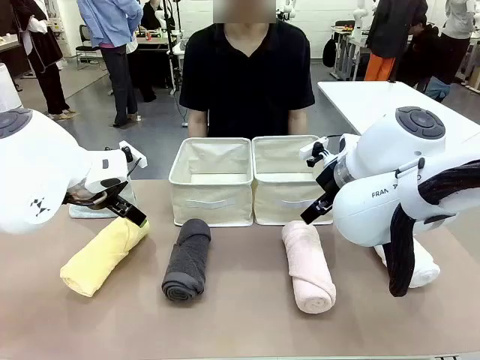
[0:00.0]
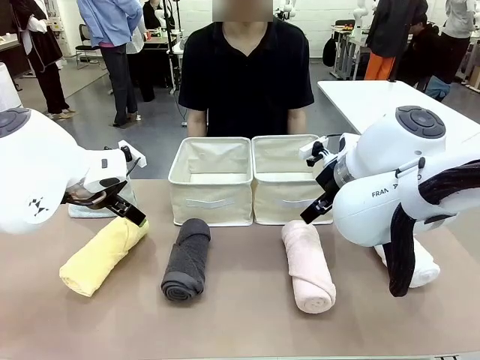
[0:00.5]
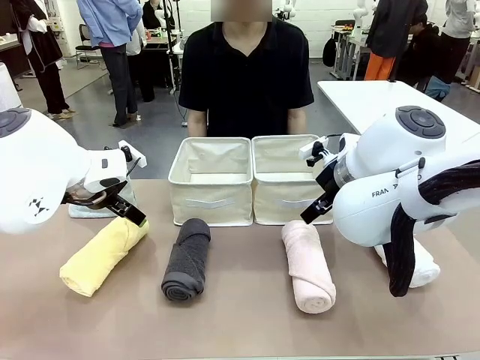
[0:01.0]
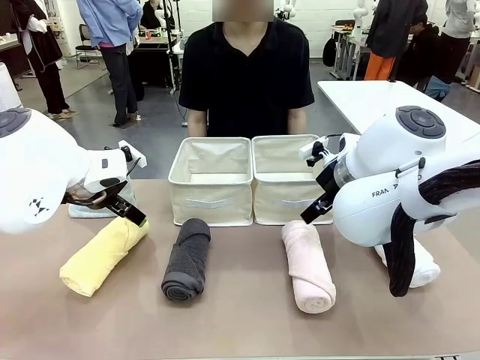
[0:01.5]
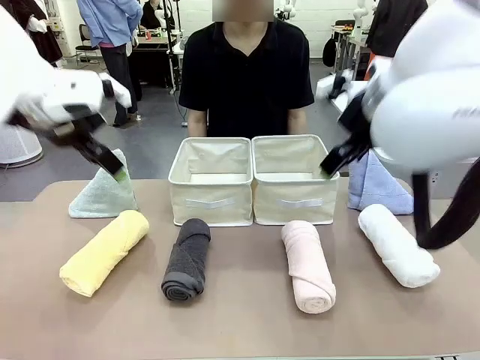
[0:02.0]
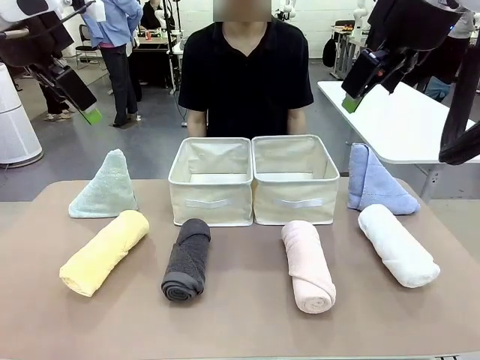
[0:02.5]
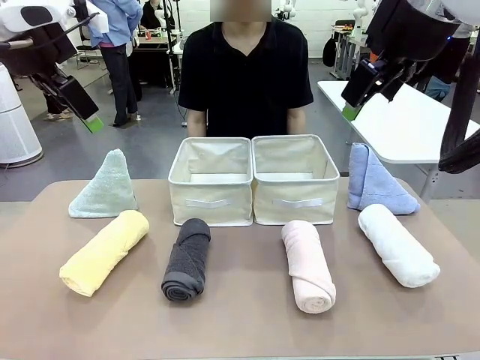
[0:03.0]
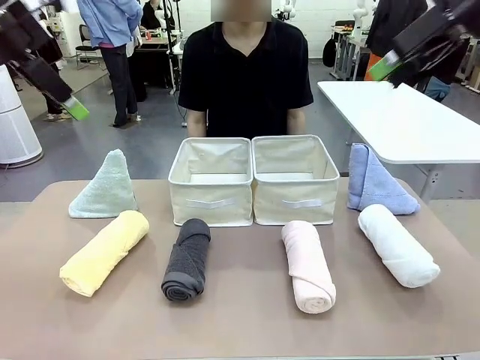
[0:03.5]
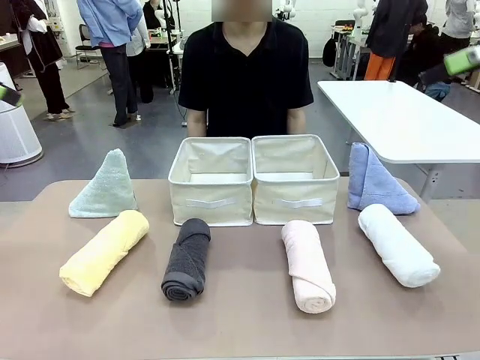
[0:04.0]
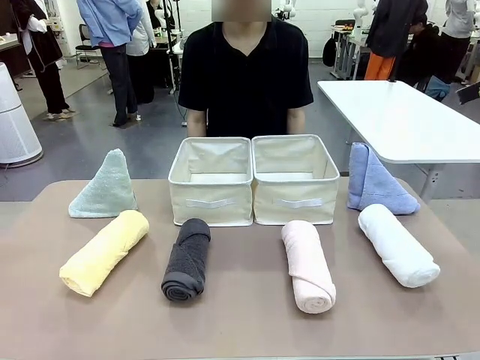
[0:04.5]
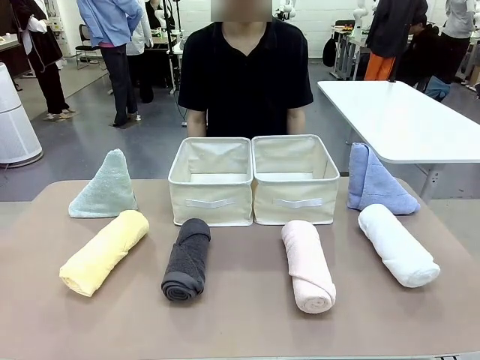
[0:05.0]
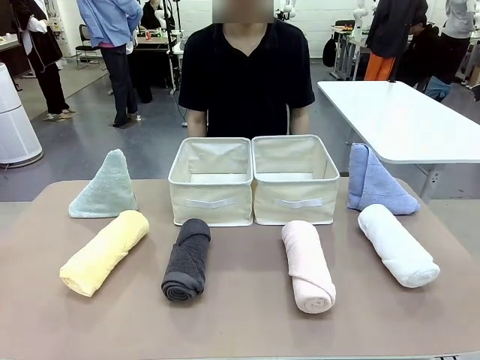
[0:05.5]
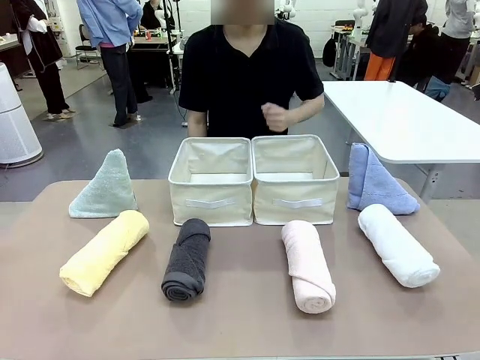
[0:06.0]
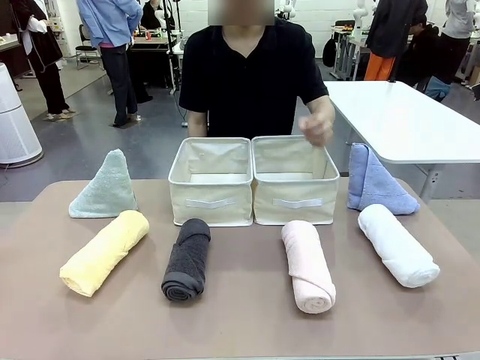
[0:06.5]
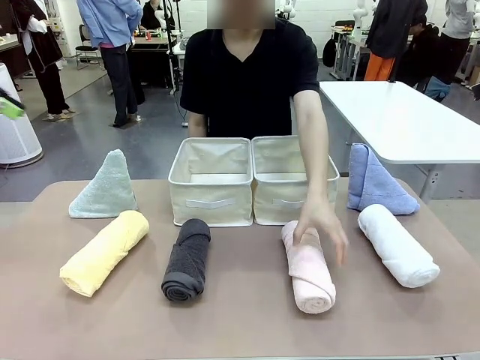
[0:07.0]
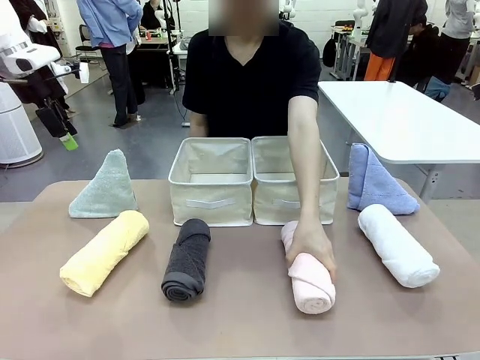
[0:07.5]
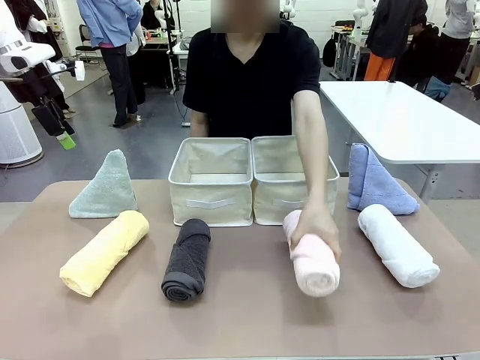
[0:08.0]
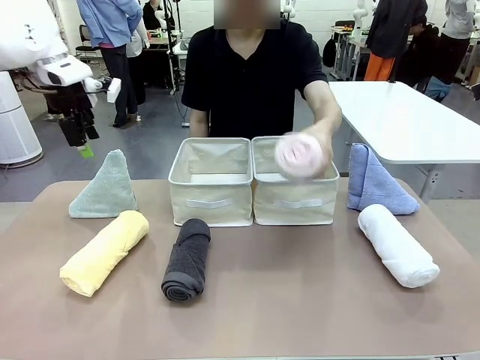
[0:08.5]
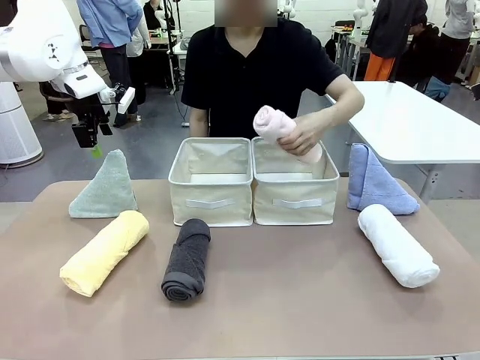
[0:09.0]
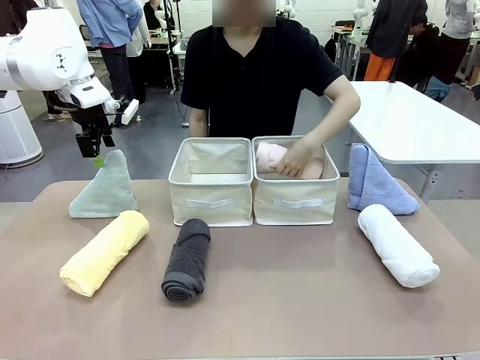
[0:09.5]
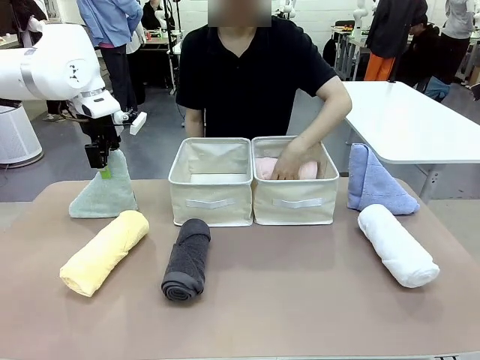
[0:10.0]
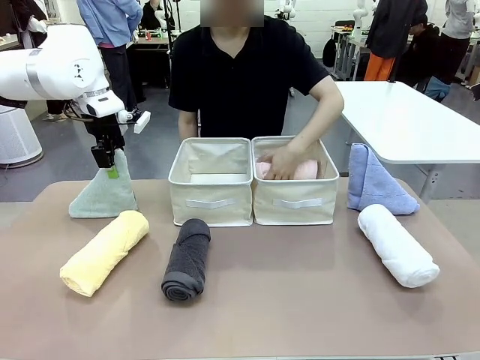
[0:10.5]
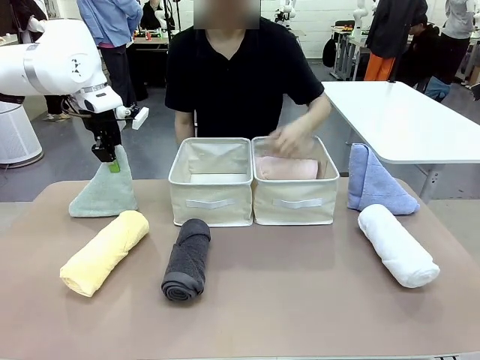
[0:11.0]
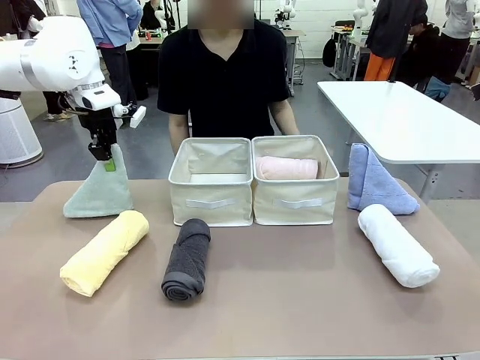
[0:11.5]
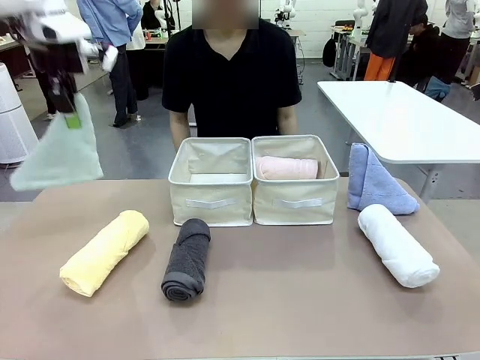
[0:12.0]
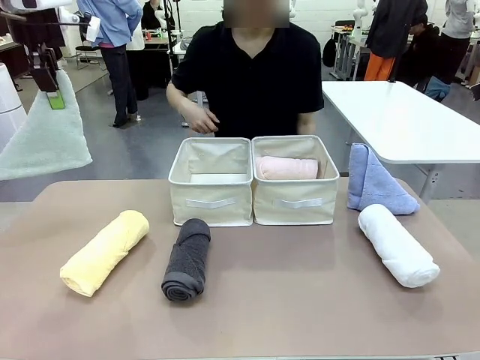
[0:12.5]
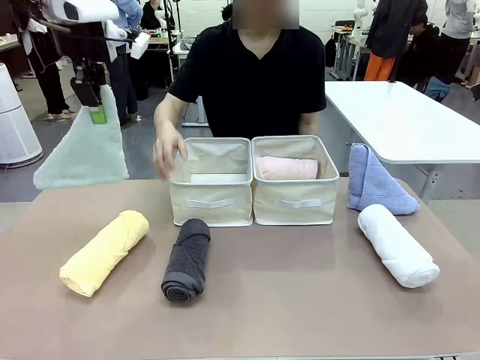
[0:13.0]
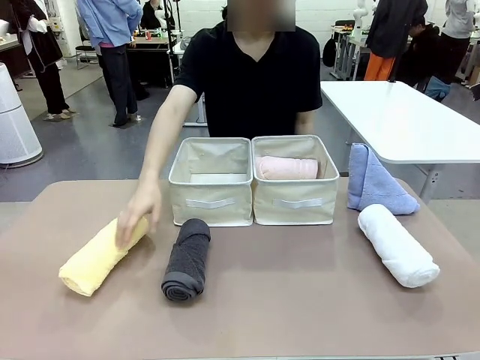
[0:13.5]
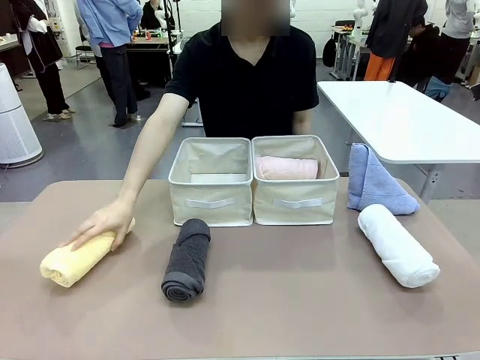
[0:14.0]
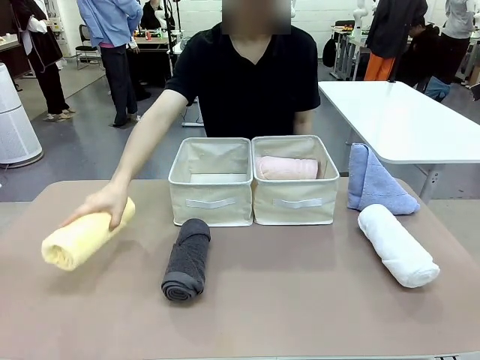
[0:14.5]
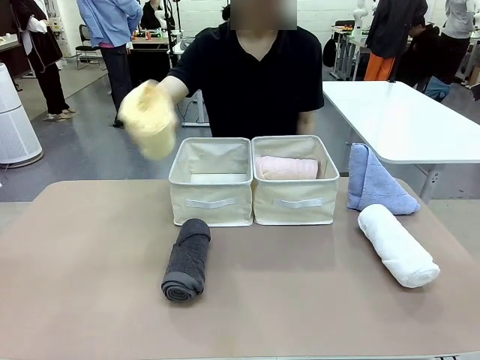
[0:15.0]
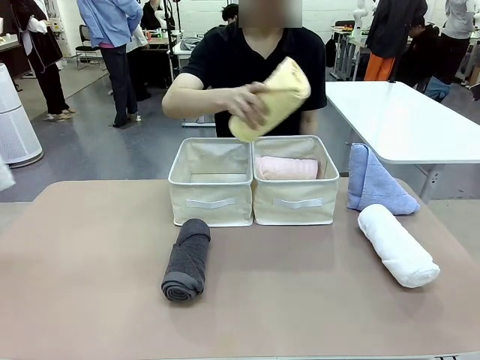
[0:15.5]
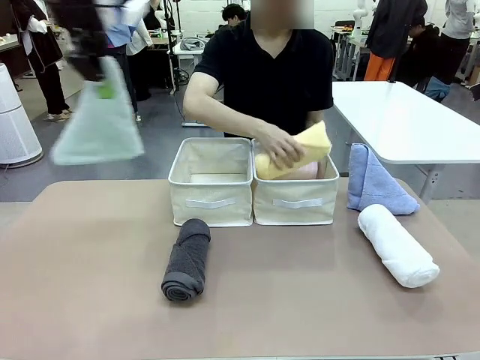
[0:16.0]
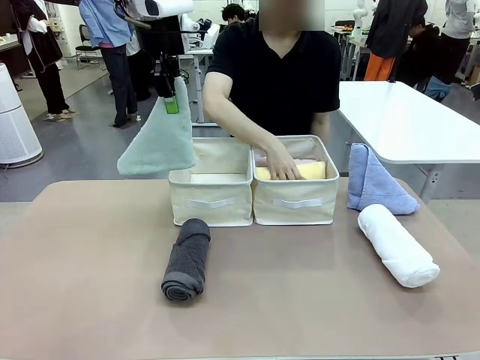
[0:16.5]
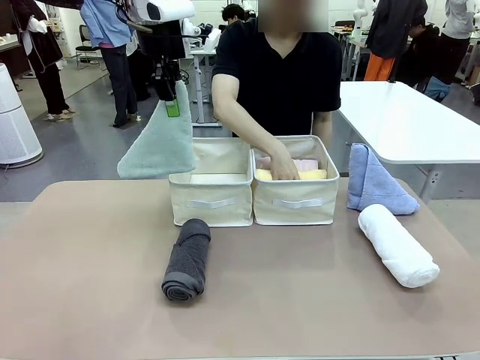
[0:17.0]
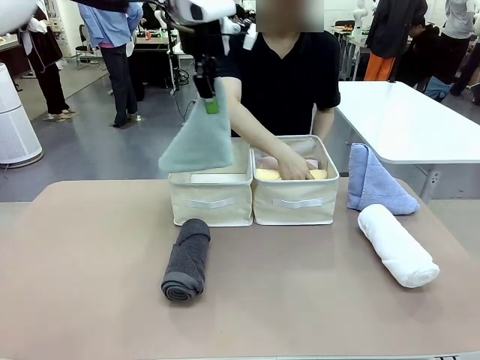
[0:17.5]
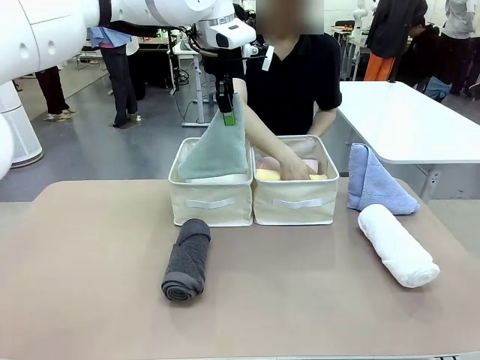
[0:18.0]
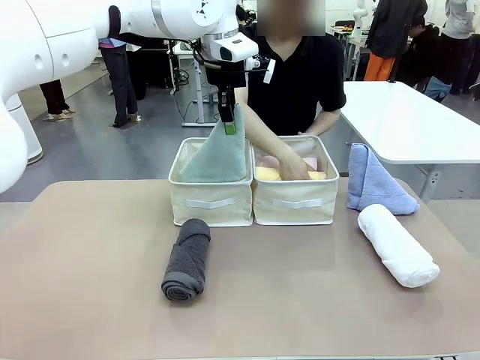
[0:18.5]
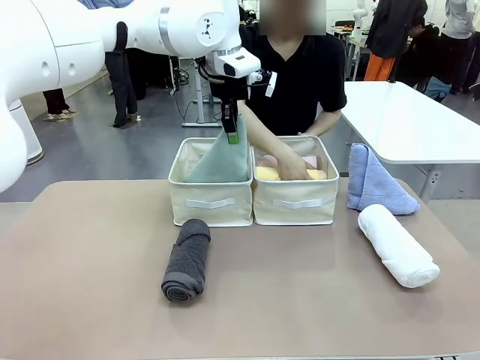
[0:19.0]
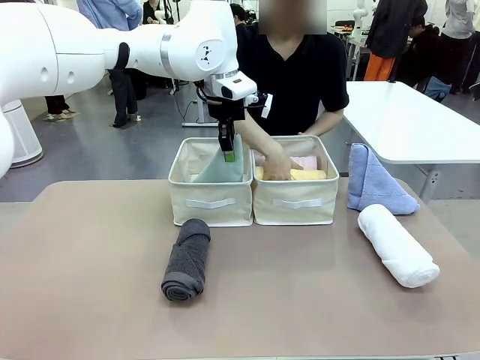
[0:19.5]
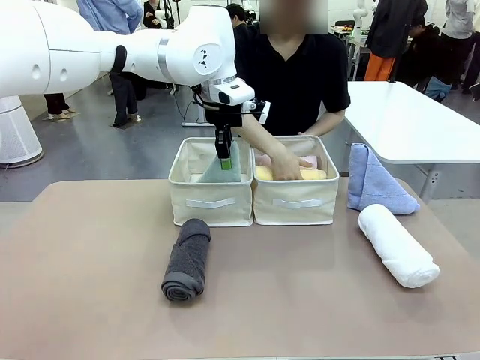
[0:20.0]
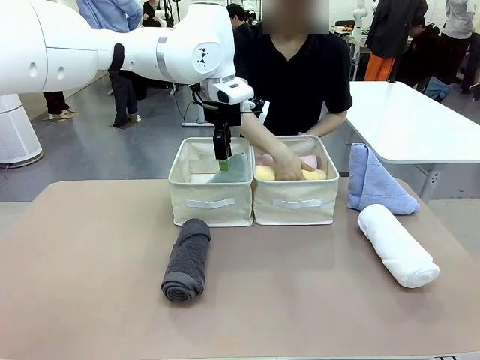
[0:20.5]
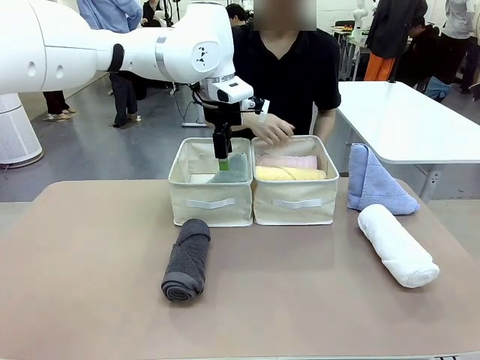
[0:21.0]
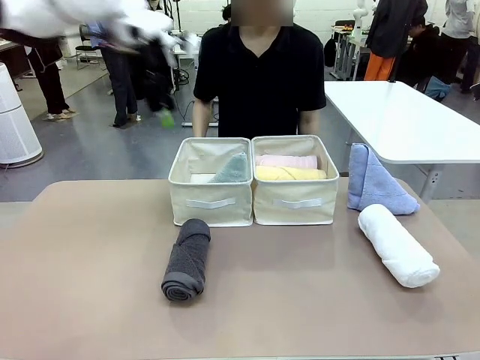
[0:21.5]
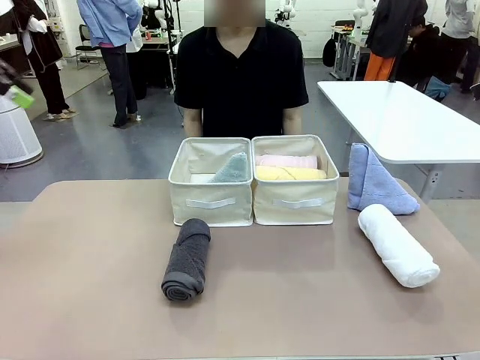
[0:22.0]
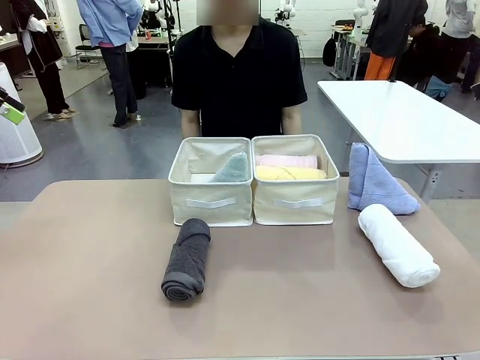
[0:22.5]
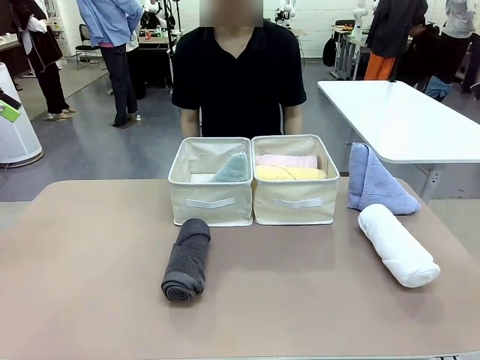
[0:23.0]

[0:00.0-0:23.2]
Task: Sort the towels based on their folding style.
Robot: Pick up one triangle-folded towel and place it in the left Fabric basket.
Person: Pick up one hotel-style rolled towel and place it in the left fabric basket.
